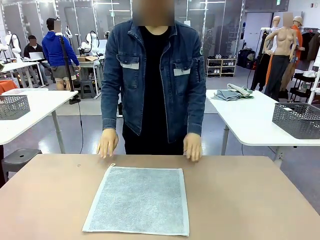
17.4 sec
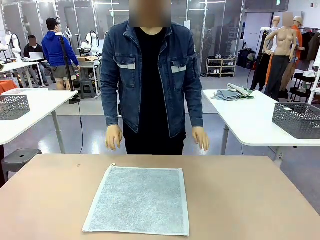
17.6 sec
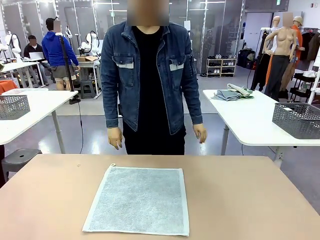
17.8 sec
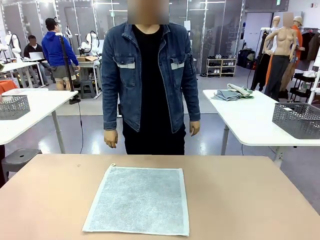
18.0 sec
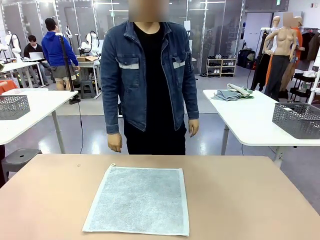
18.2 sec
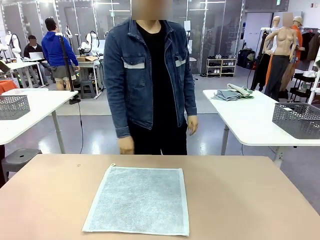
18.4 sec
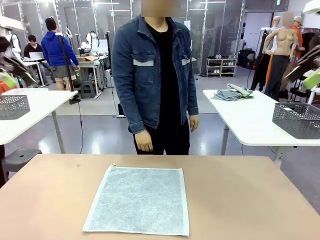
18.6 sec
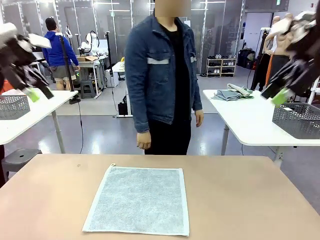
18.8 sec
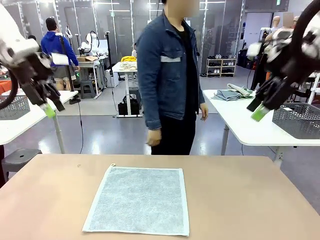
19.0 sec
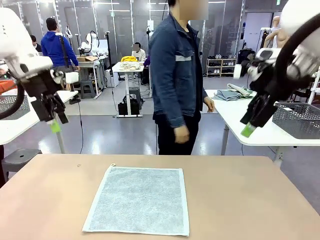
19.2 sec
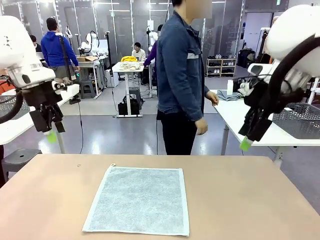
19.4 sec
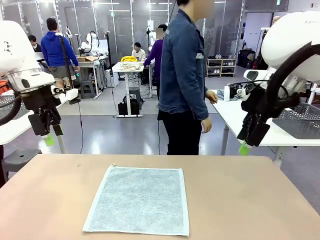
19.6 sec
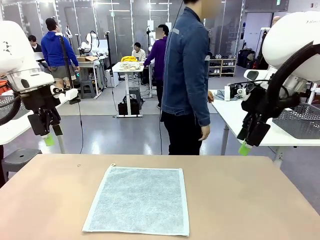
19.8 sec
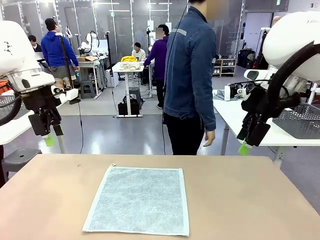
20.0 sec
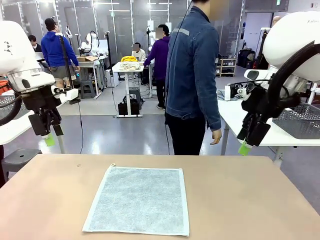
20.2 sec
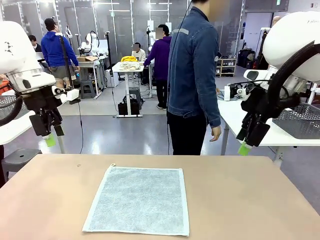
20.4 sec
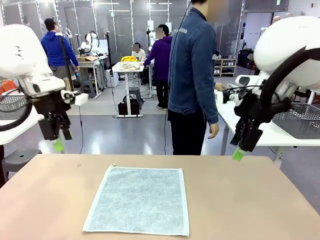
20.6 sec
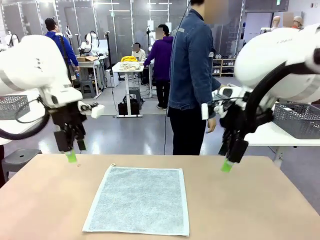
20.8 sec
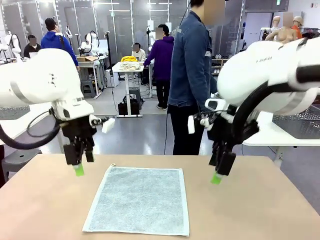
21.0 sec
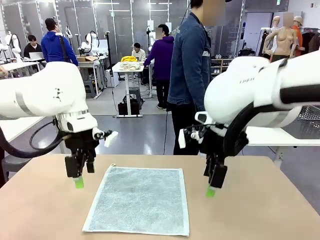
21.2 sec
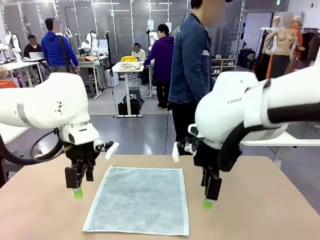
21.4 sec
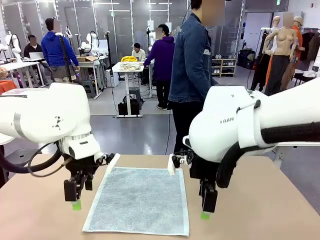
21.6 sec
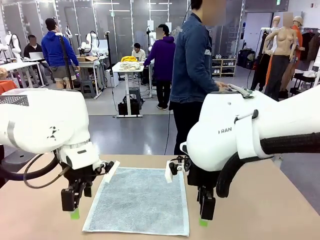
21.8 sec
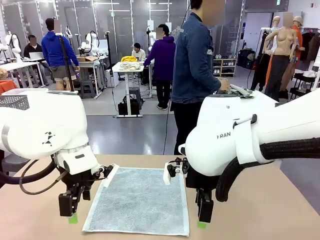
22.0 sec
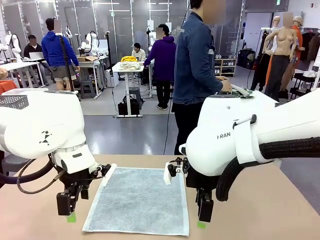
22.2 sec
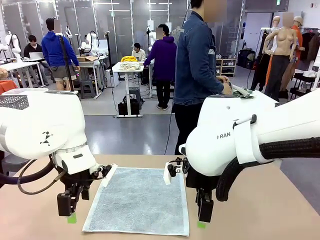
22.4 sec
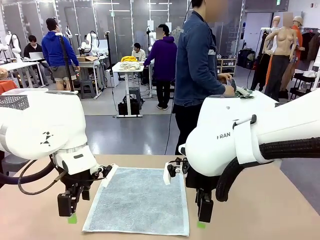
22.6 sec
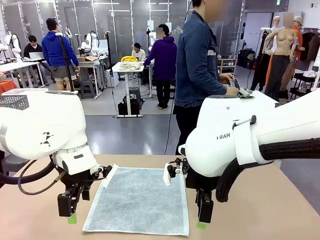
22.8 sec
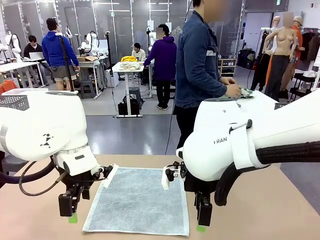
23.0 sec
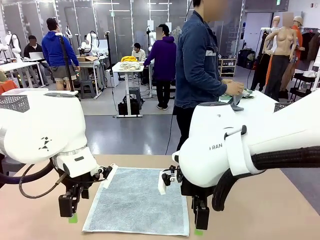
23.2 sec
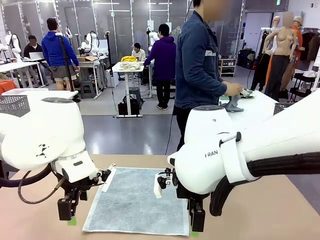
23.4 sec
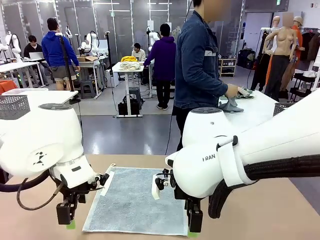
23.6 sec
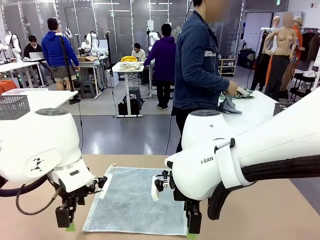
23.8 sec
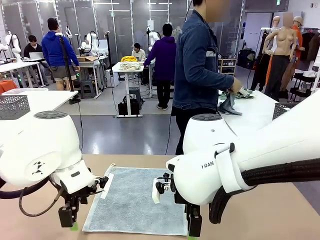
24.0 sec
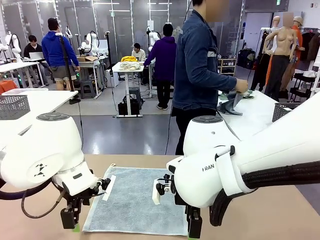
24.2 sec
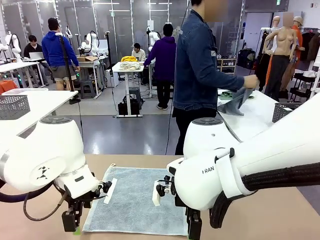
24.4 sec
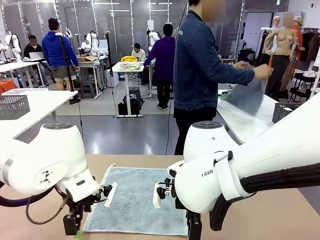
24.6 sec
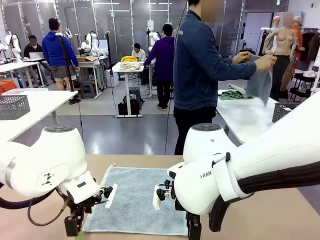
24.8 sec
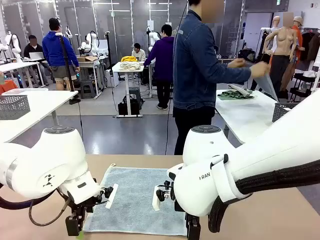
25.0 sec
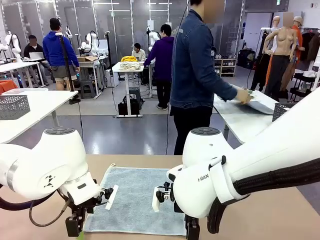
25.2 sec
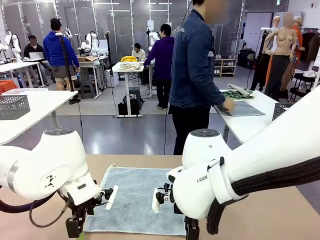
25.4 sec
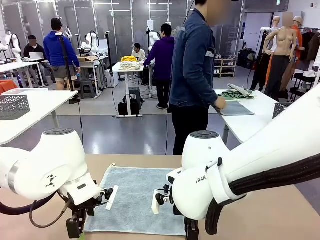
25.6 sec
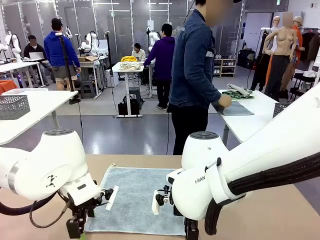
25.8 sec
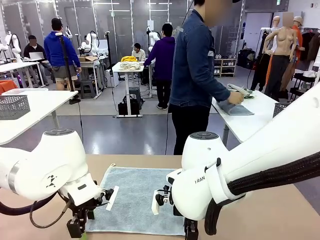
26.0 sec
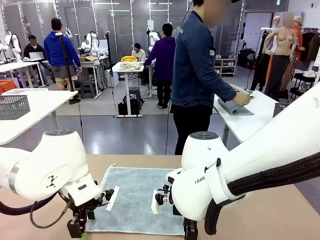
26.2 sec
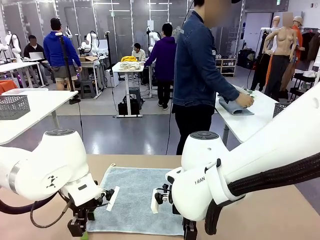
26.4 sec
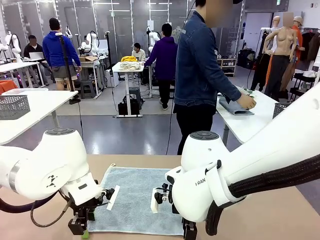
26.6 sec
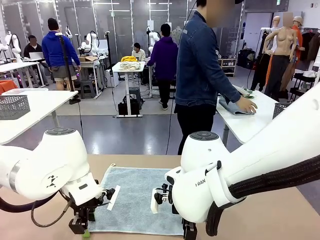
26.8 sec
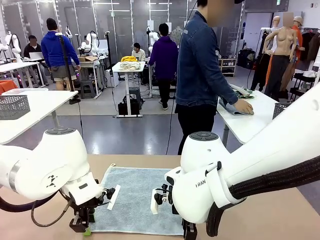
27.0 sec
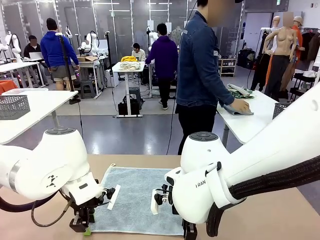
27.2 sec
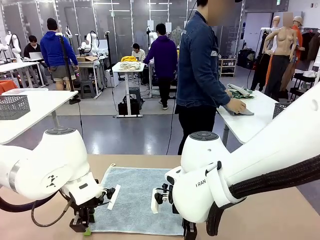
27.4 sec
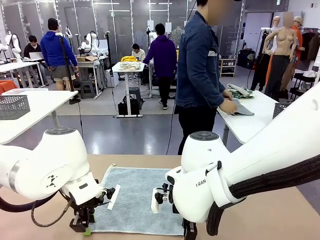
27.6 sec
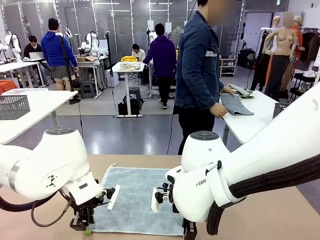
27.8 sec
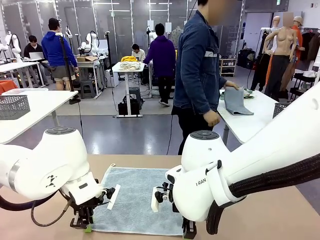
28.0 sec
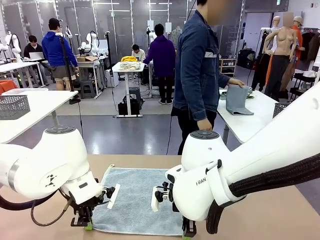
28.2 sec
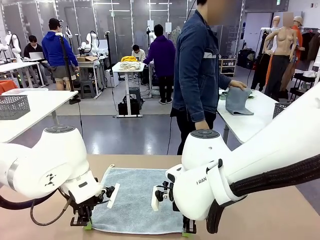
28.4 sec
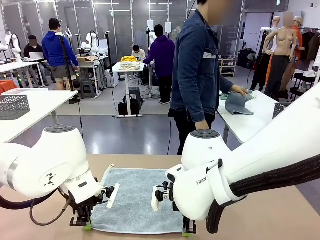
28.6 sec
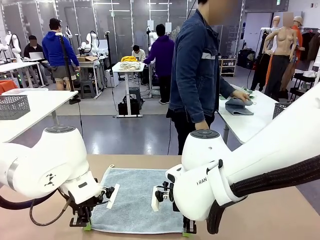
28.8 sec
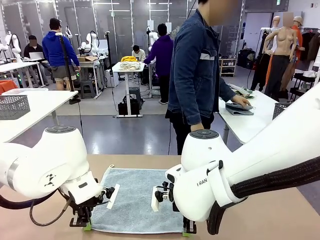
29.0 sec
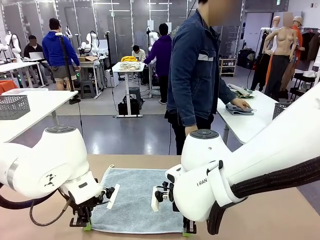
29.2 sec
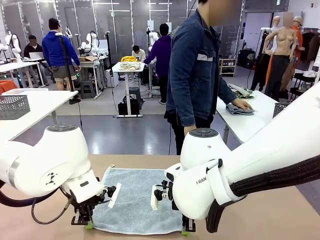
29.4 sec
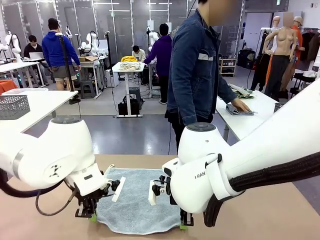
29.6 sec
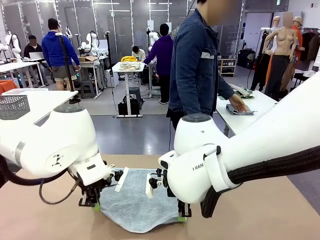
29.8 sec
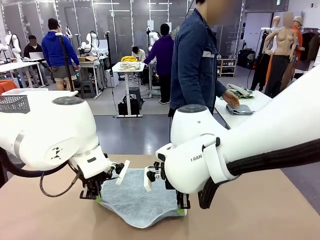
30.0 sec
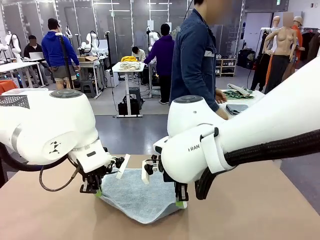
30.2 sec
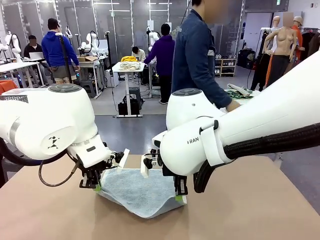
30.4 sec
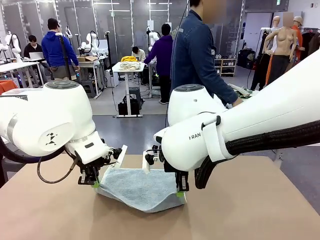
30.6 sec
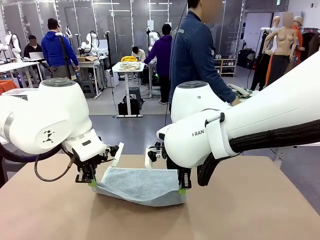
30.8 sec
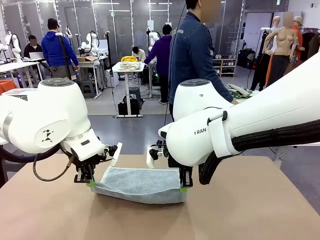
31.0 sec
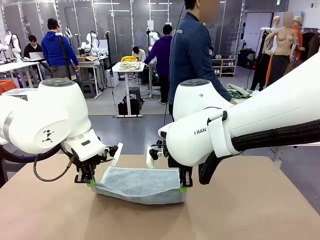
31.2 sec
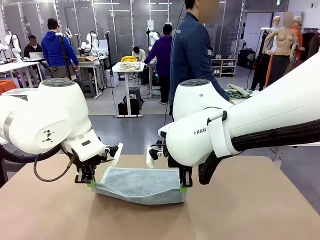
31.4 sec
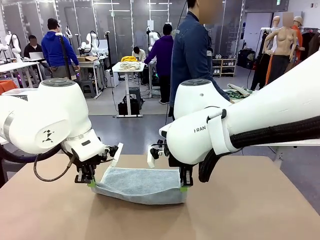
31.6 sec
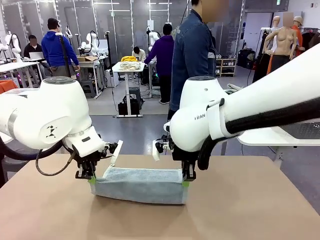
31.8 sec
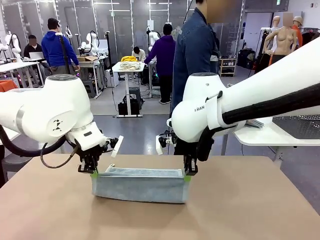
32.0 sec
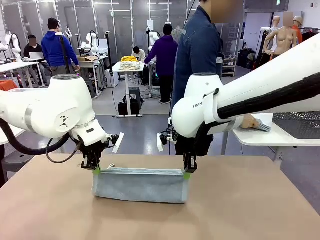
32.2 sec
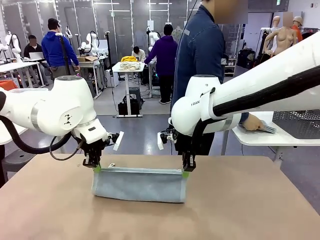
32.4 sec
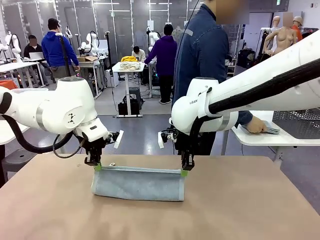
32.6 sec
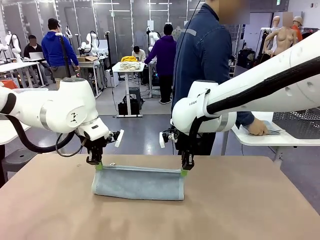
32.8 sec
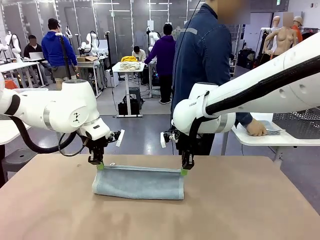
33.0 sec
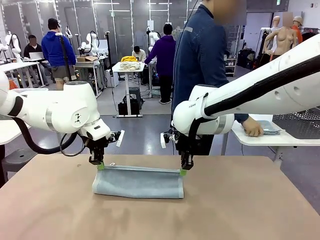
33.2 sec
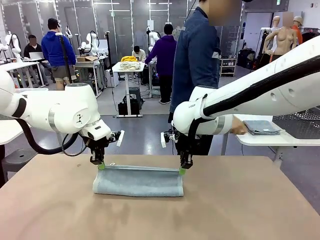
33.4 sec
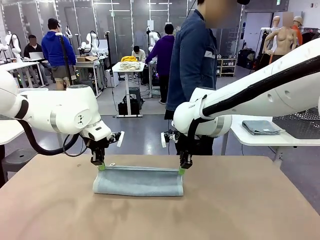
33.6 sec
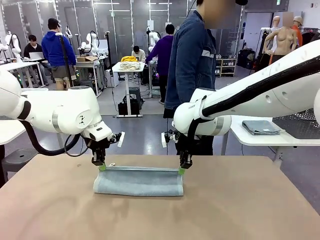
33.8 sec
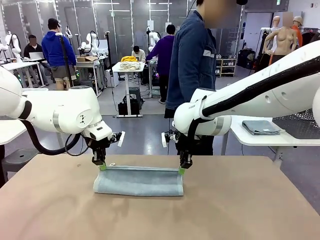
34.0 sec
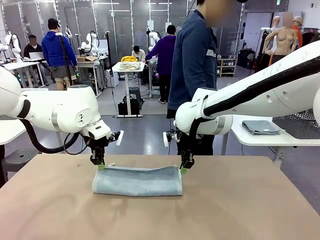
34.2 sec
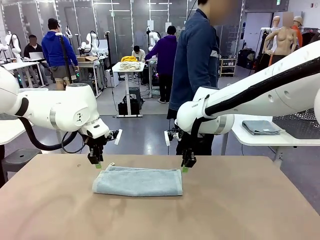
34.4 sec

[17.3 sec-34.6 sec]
Task: Fold the towels and place them in the basket.
Robot: When a person lays out a Towel with hook on the table, fold it in half twice.
Person: Pick up one towel from the left side of the human table, fold it in half twice, and place it on the right side of the table.
